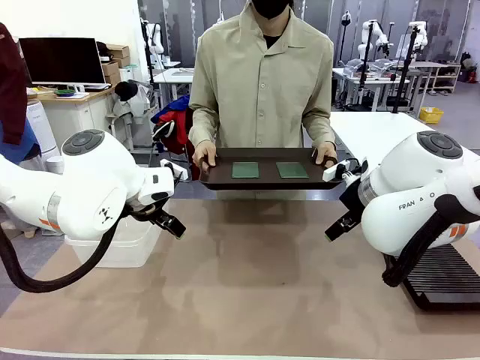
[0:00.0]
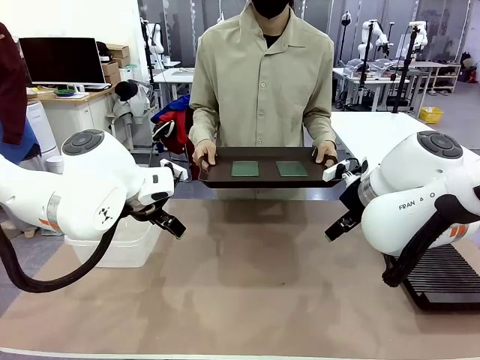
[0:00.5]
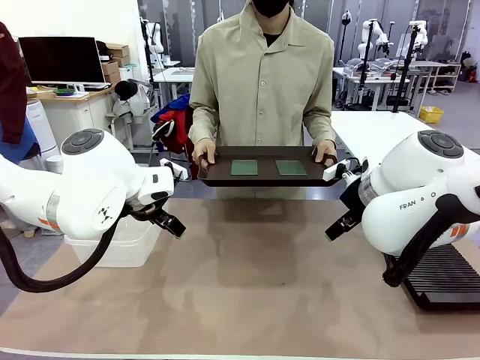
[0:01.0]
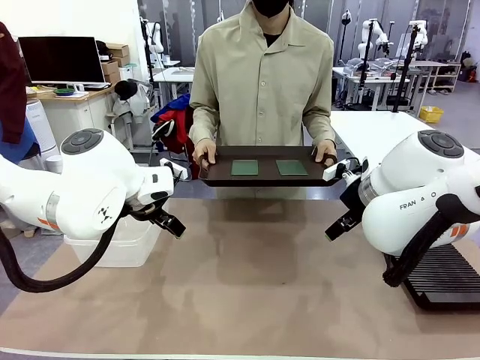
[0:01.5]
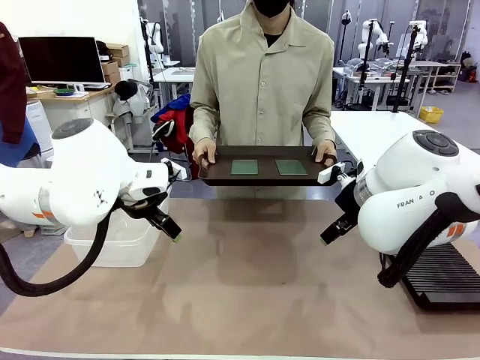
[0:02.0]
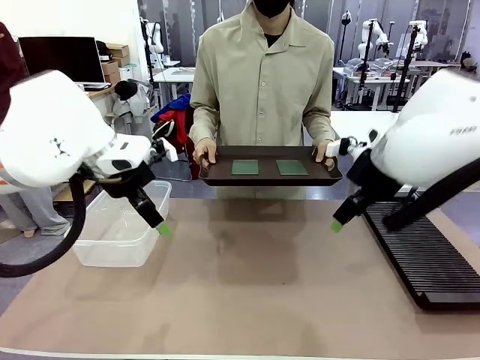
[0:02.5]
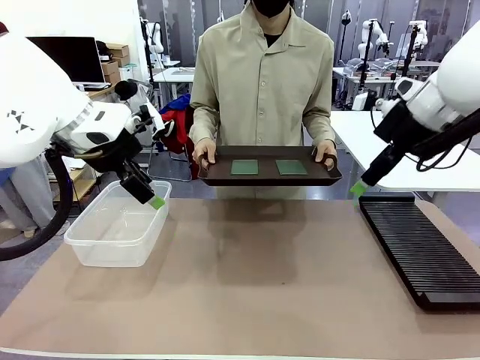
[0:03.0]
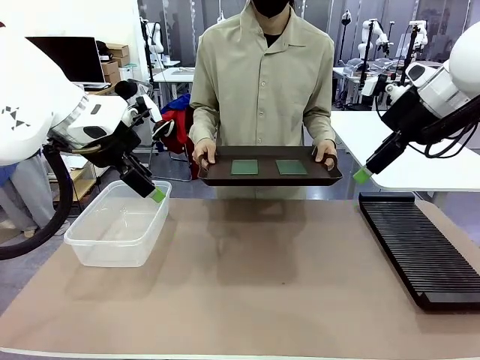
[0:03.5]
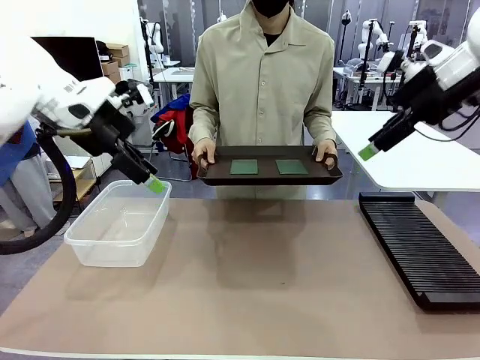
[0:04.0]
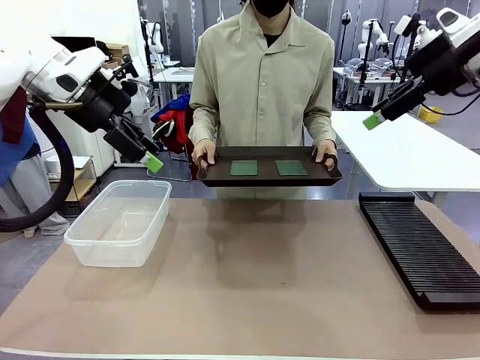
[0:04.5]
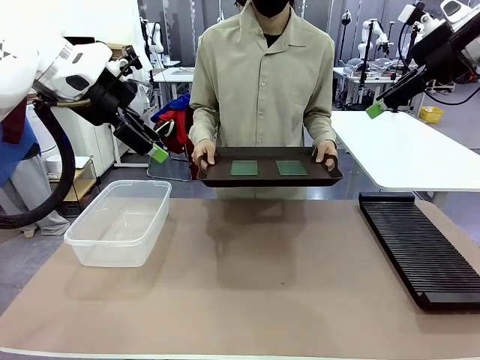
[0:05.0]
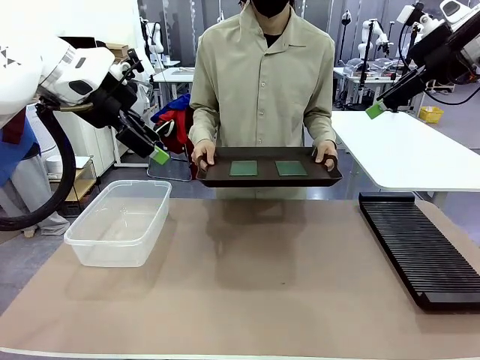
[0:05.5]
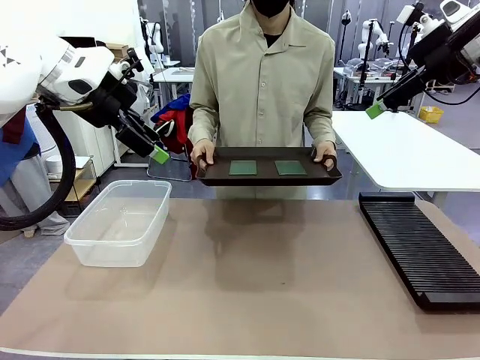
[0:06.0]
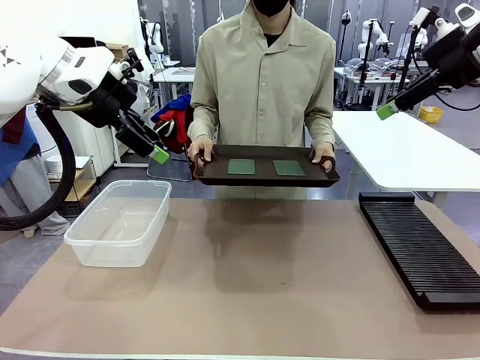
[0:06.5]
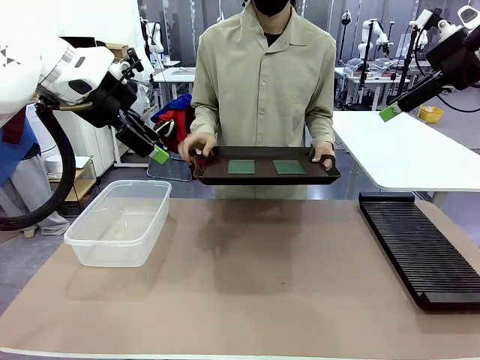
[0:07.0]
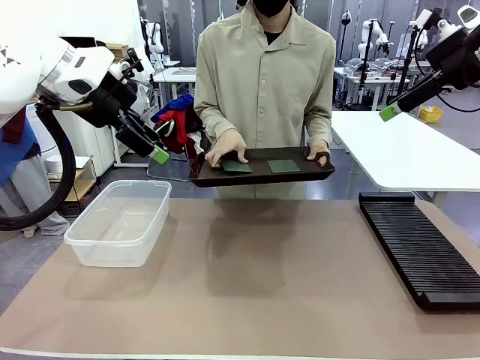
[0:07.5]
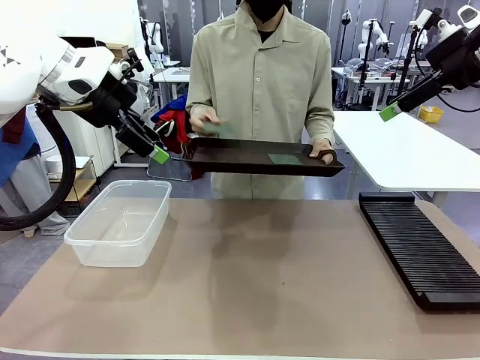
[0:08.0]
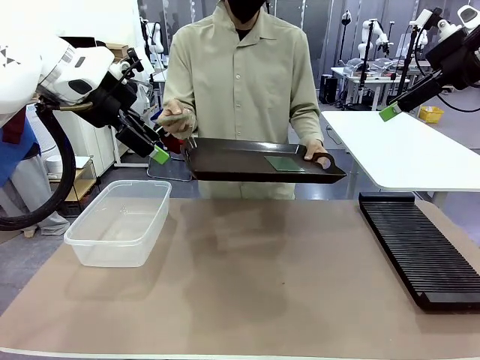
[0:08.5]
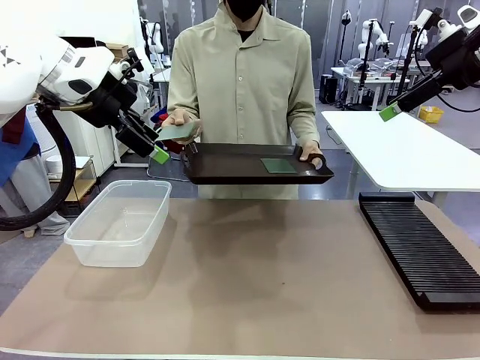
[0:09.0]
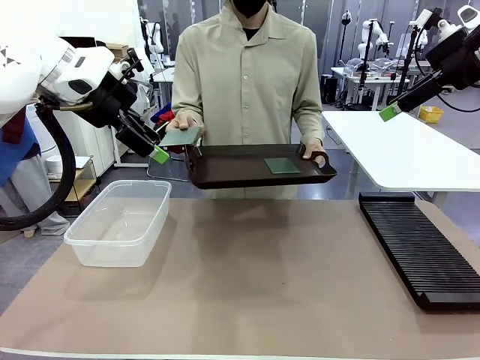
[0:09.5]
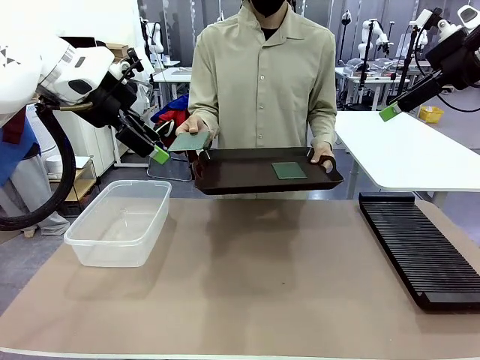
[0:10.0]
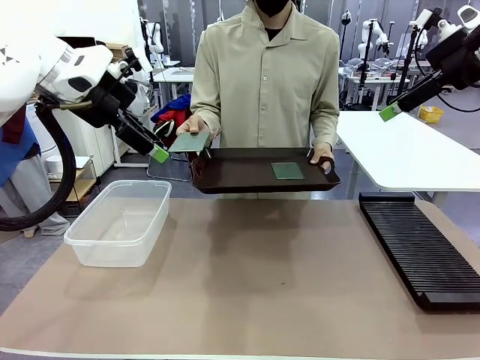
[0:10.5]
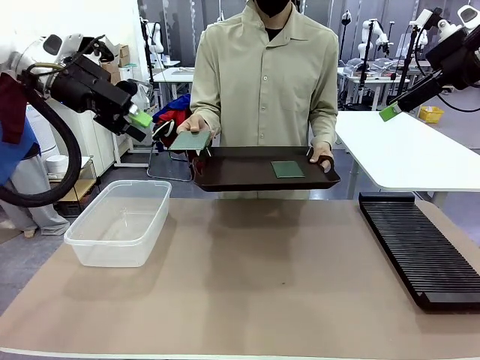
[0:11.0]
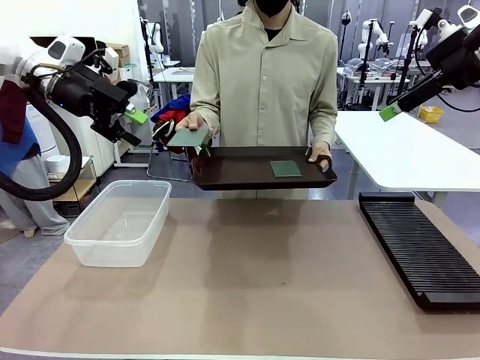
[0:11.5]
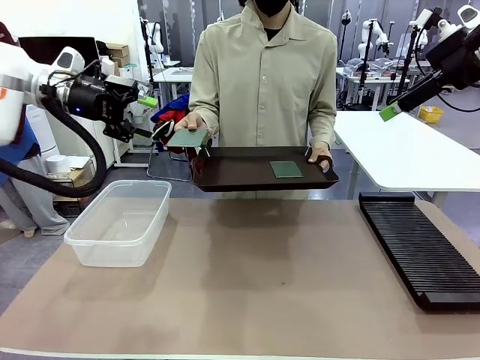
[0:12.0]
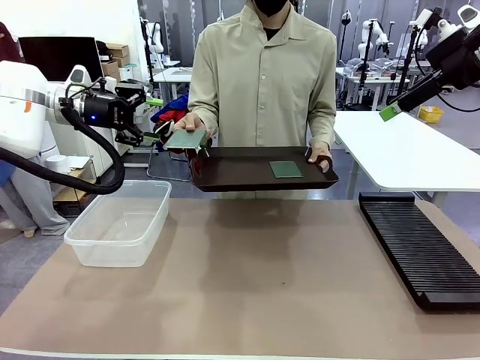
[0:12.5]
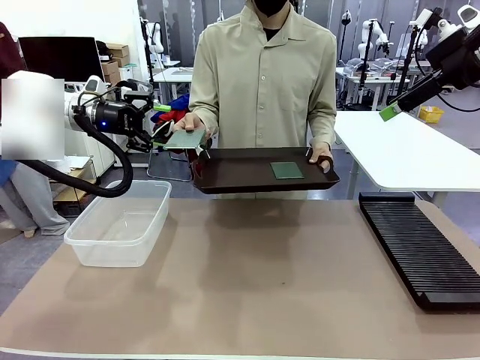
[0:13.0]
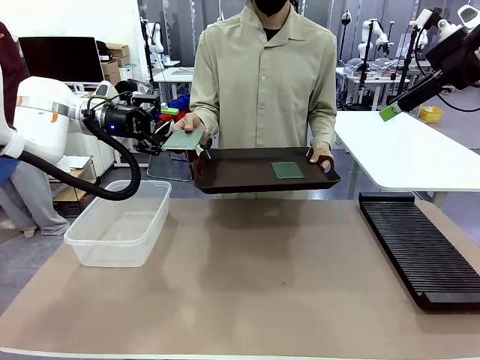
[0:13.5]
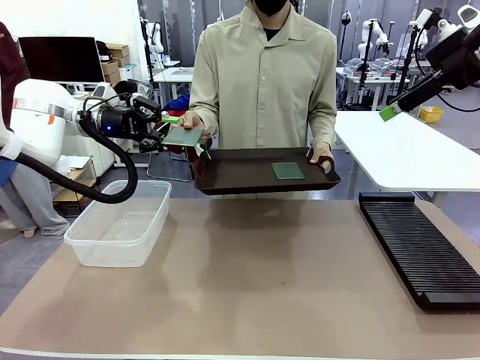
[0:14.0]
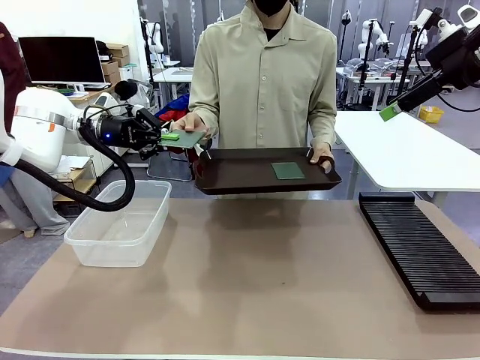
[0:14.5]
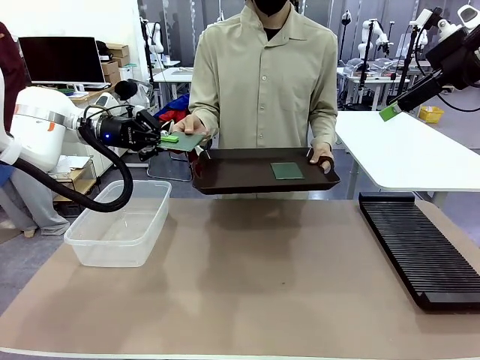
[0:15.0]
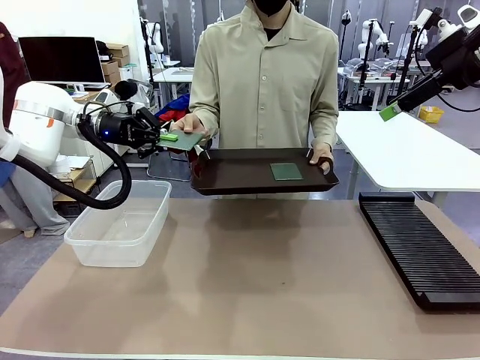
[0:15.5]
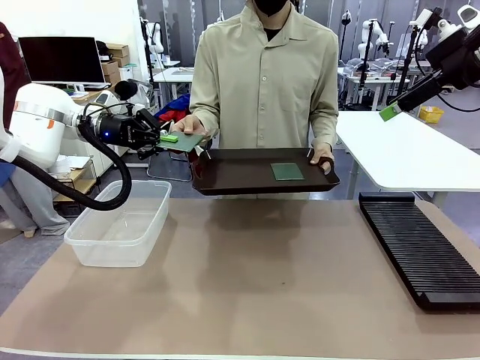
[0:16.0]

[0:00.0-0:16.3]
Task: Sort PCBs into racks and boxes based on the side picked up.
Robot: Pick up the Blank PCB handed by the Human.
Person: Pick one PCB from the tray and present it to the robot. Release the PCB being held.

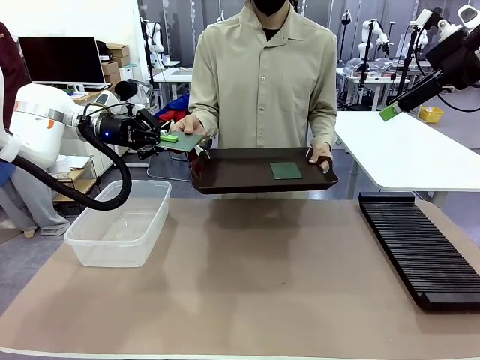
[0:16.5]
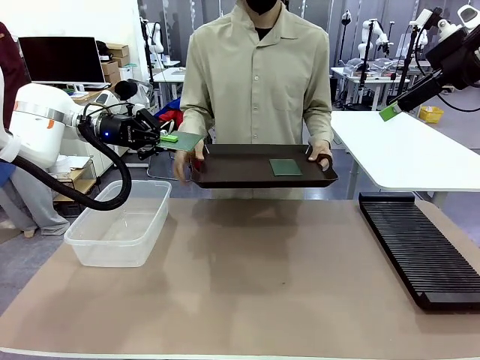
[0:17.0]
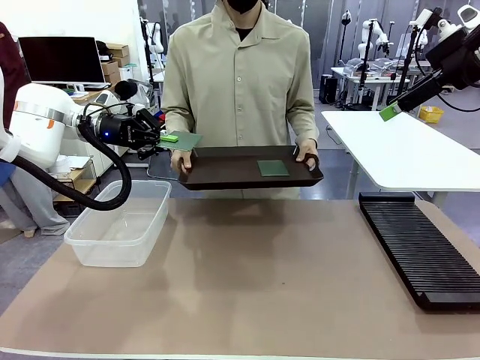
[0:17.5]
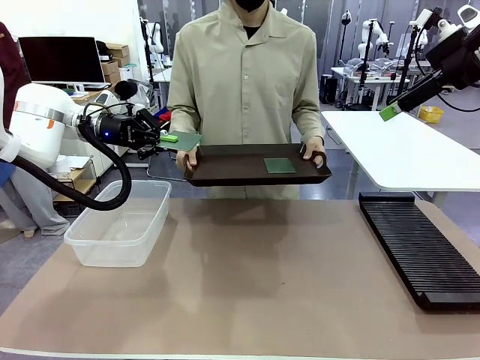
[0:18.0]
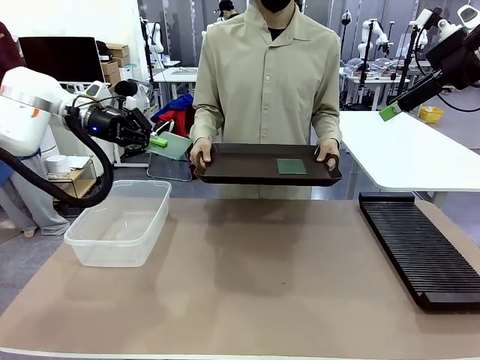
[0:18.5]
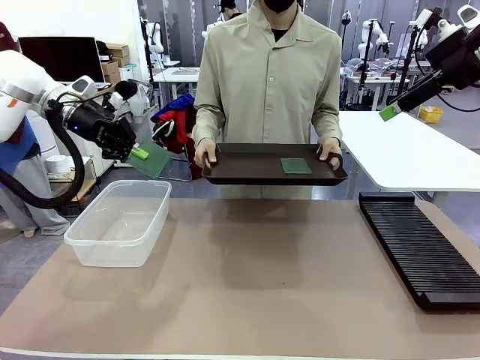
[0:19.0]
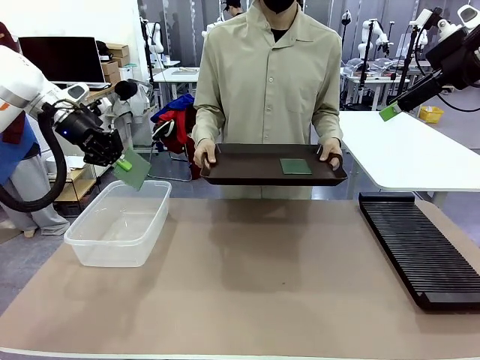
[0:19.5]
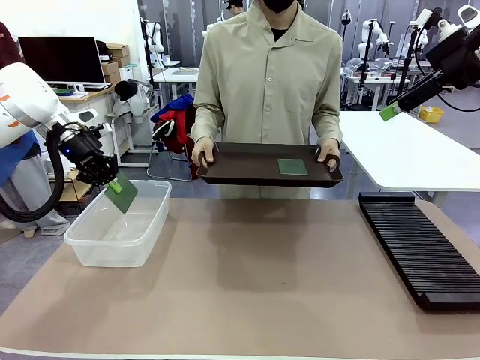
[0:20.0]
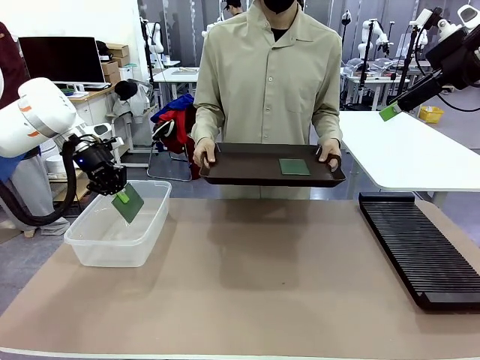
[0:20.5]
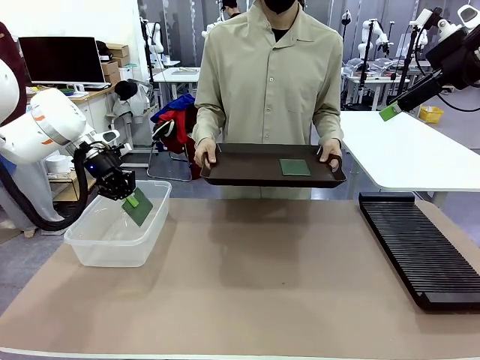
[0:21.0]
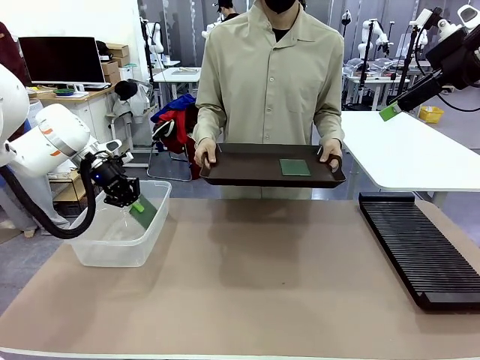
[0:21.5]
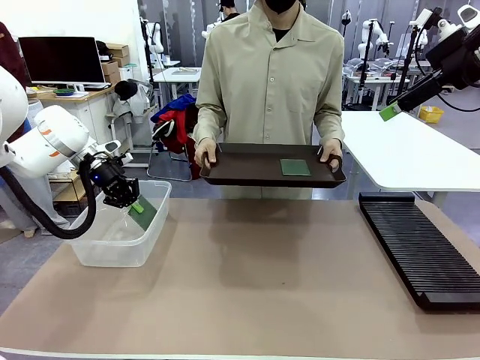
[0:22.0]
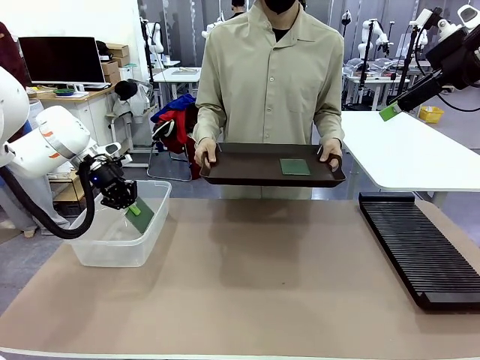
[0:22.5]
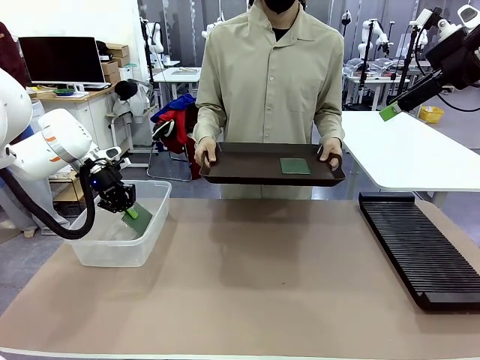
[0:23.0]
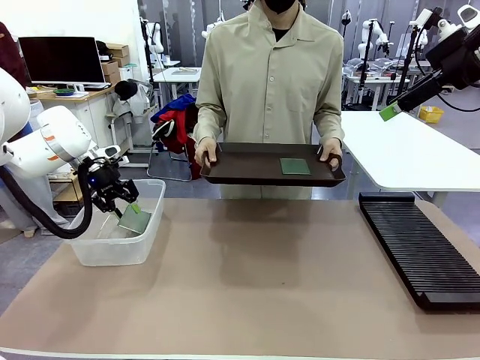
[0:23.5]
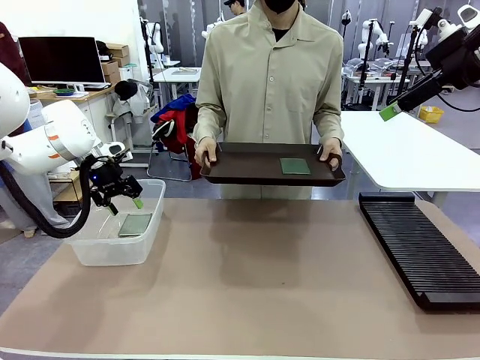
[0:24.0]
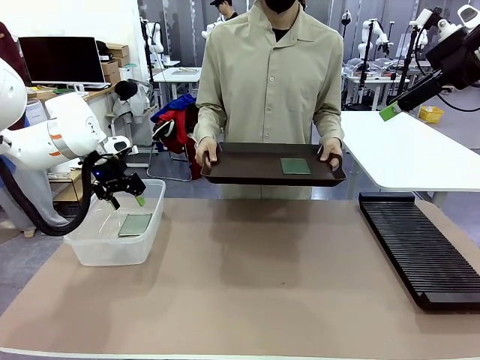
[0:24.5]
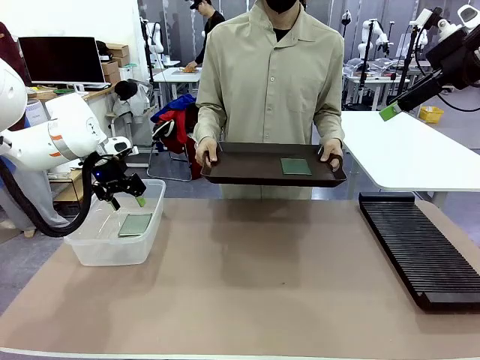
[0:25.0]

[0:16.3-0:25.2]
Robot: If the short side of the Blank PCB is picked up, insert it into the PCB Rack ; if the long side is picked up, place it in the Organizing box.
